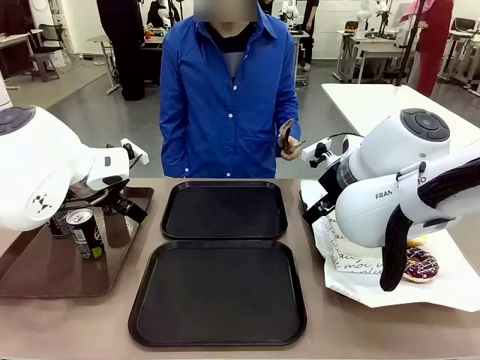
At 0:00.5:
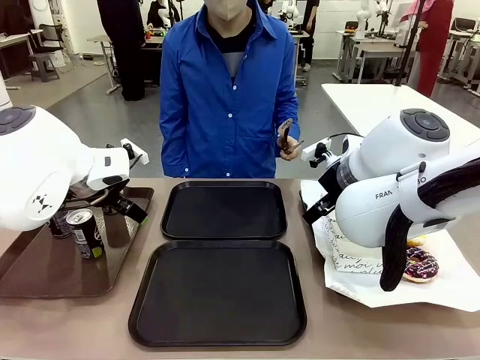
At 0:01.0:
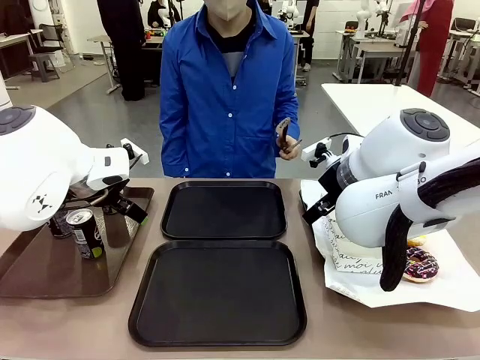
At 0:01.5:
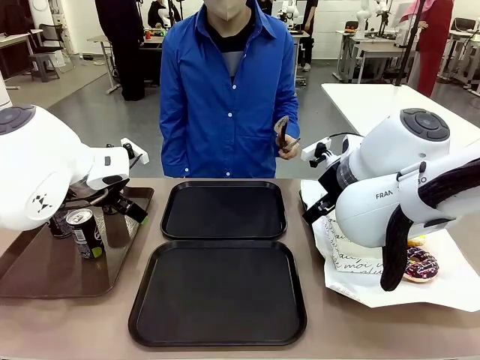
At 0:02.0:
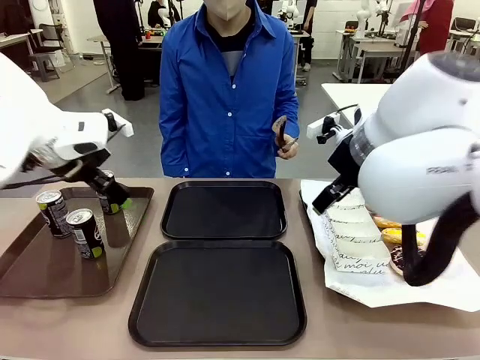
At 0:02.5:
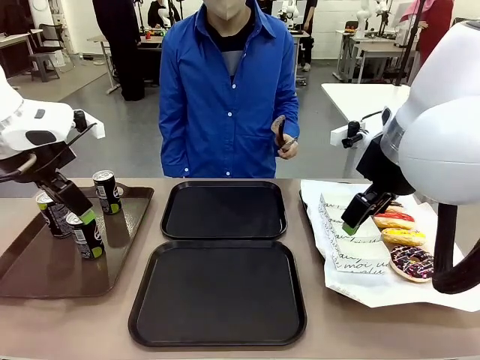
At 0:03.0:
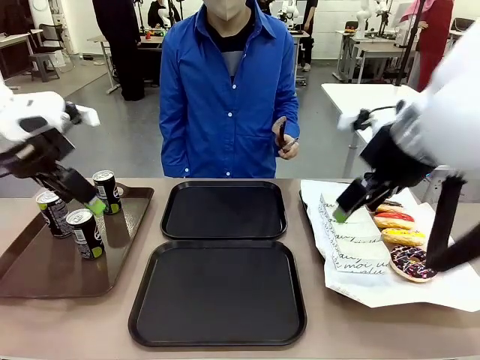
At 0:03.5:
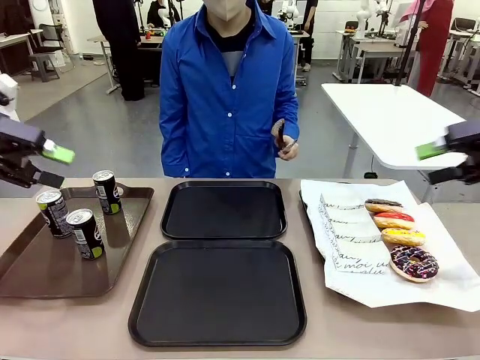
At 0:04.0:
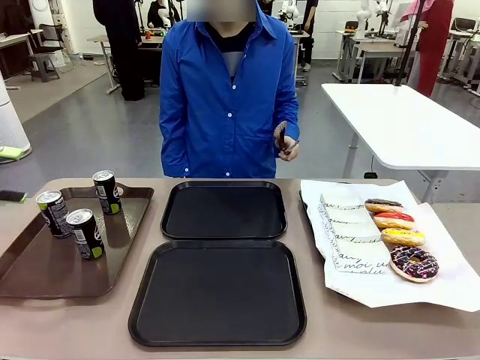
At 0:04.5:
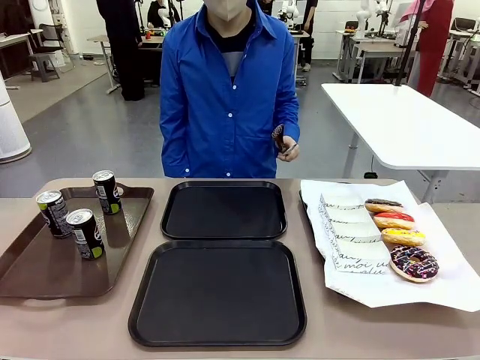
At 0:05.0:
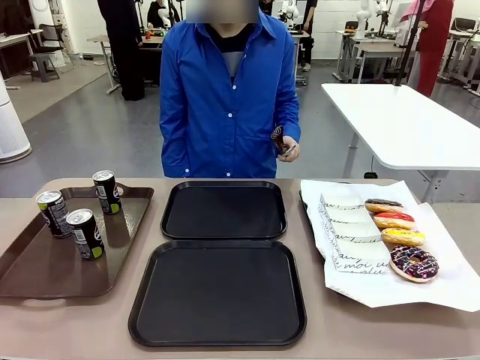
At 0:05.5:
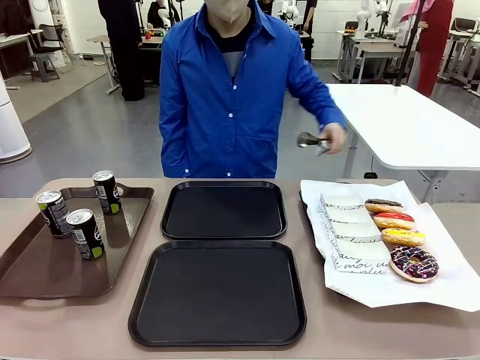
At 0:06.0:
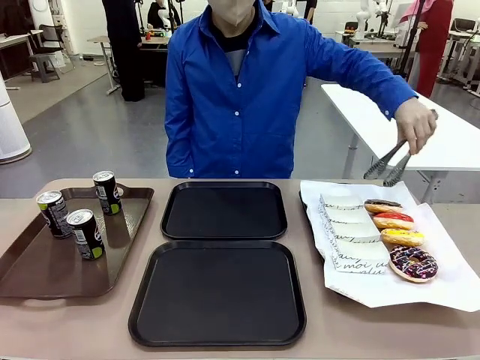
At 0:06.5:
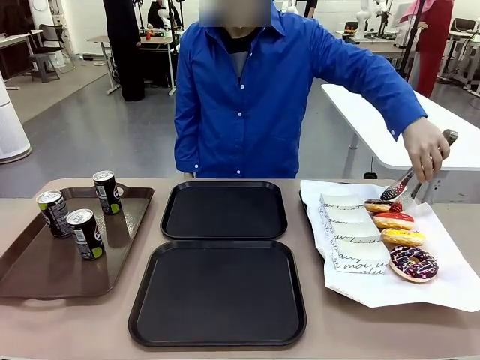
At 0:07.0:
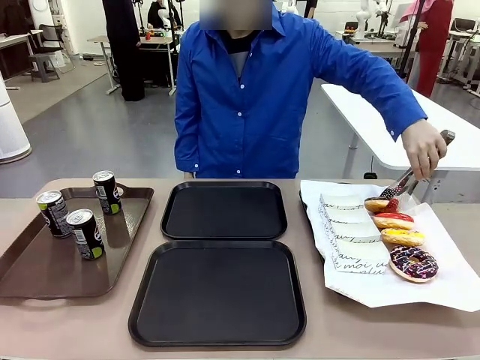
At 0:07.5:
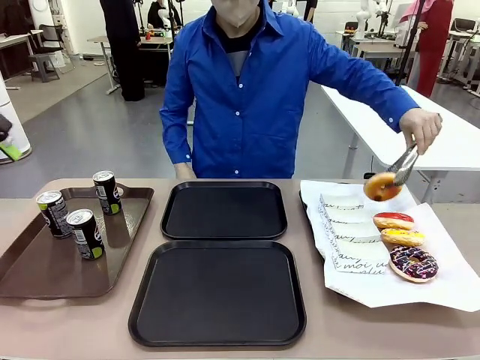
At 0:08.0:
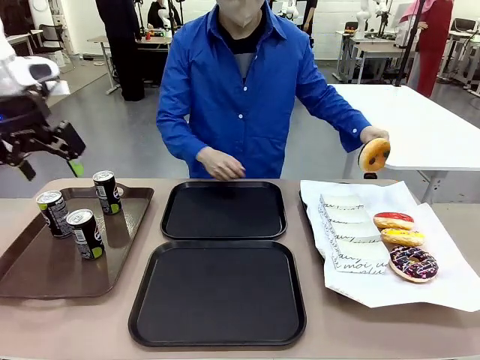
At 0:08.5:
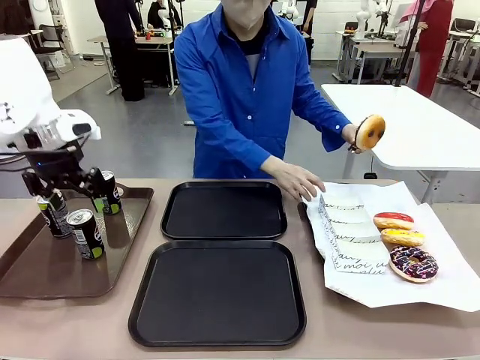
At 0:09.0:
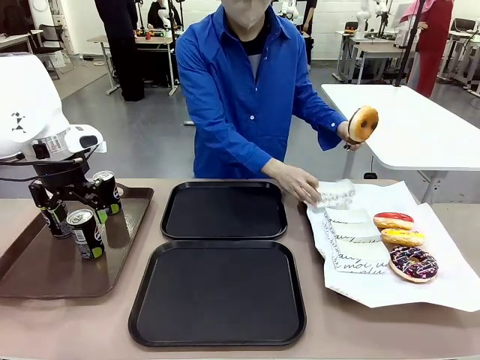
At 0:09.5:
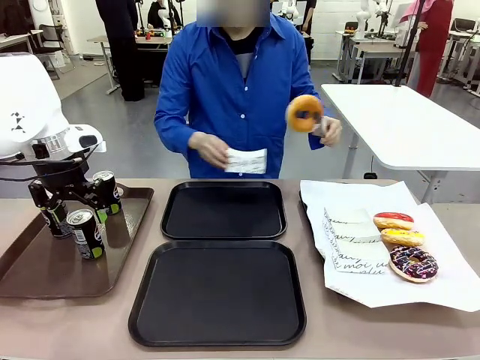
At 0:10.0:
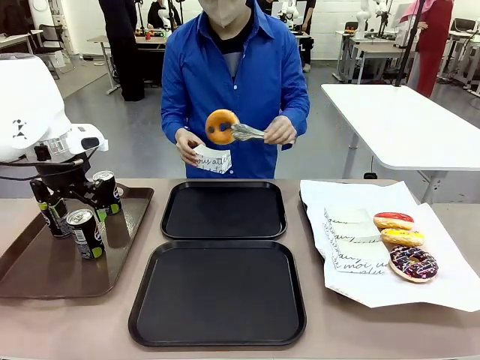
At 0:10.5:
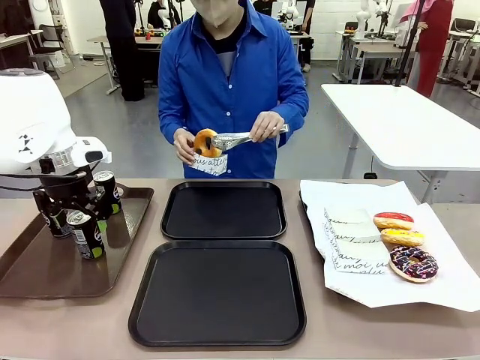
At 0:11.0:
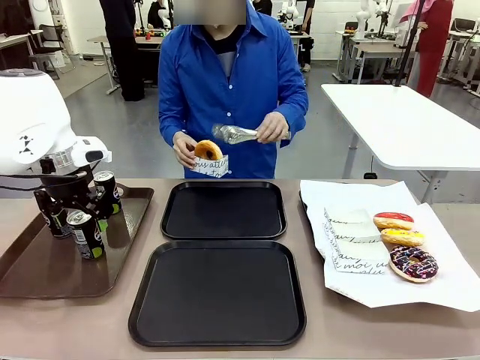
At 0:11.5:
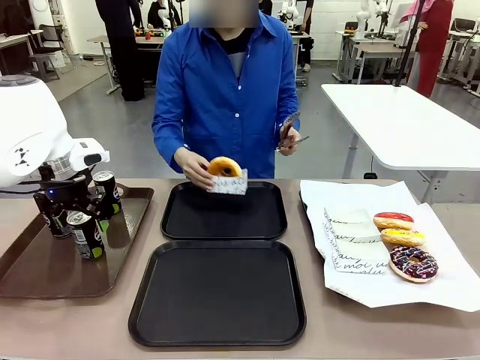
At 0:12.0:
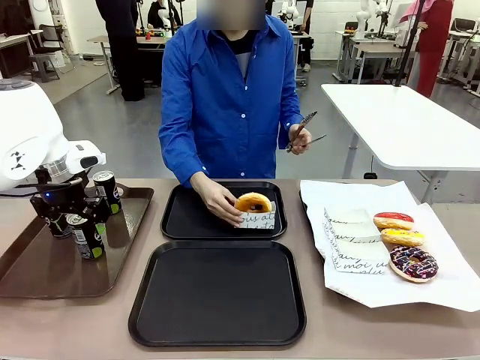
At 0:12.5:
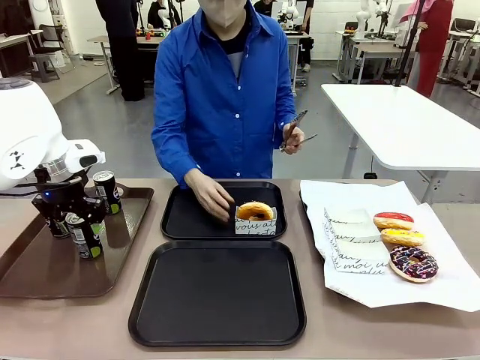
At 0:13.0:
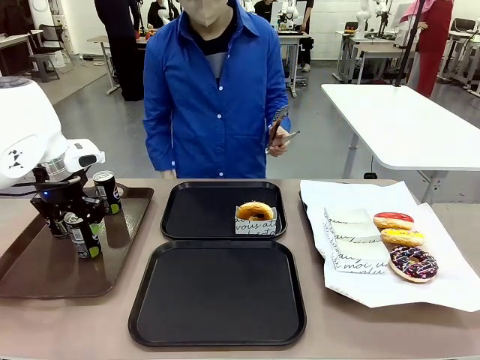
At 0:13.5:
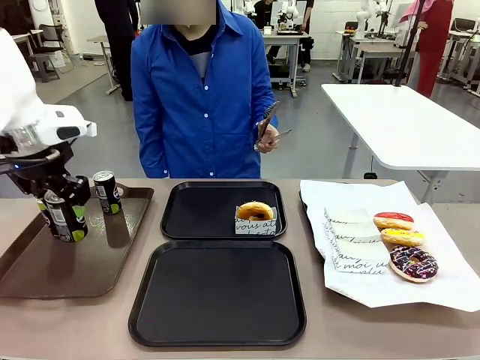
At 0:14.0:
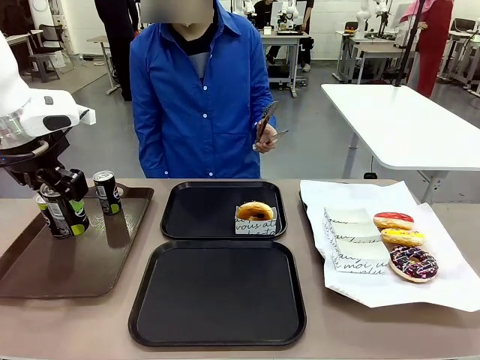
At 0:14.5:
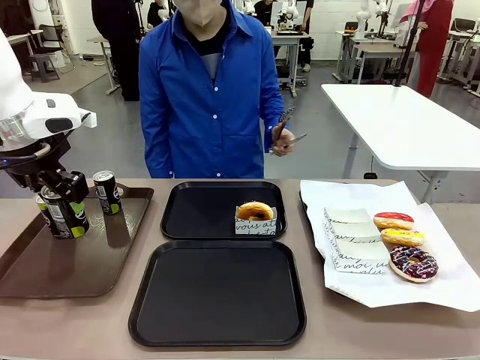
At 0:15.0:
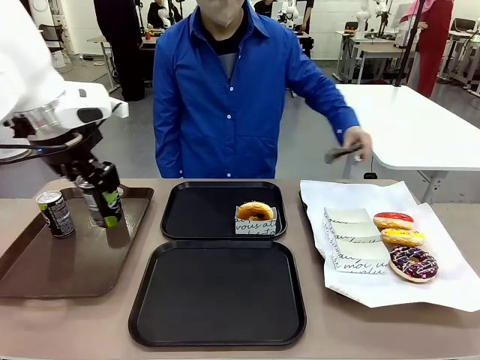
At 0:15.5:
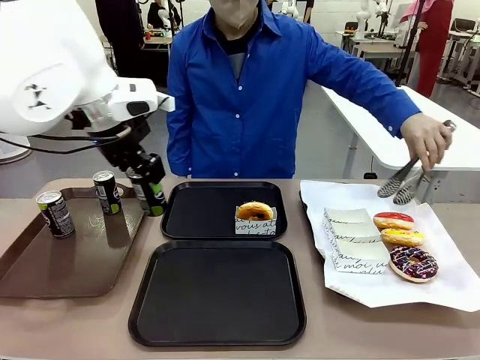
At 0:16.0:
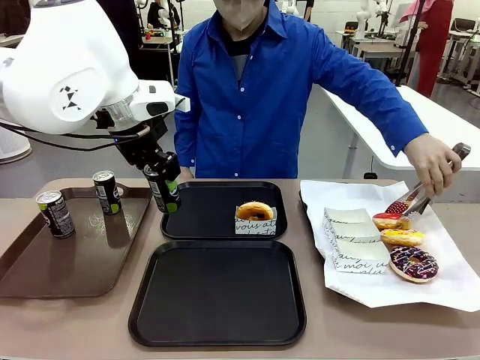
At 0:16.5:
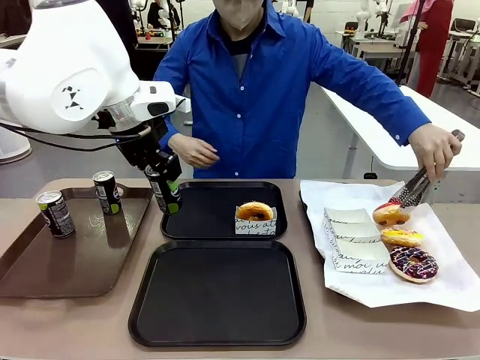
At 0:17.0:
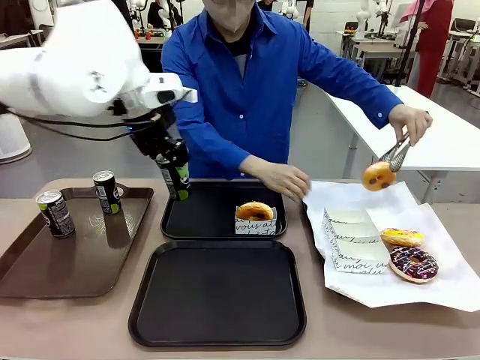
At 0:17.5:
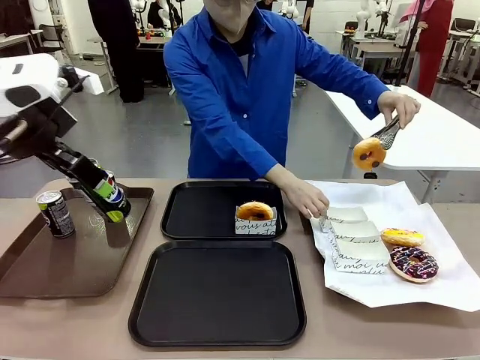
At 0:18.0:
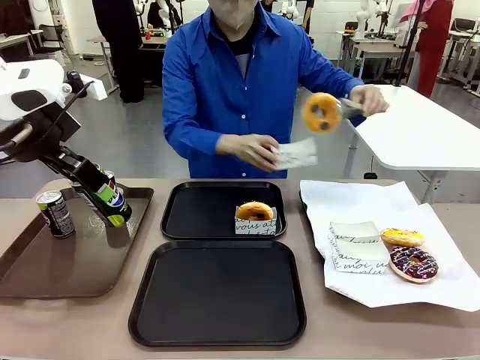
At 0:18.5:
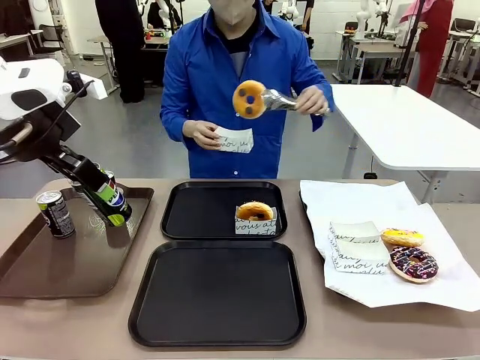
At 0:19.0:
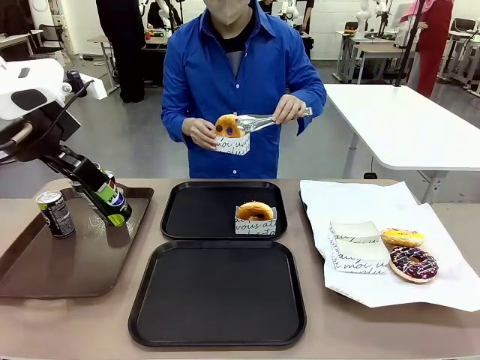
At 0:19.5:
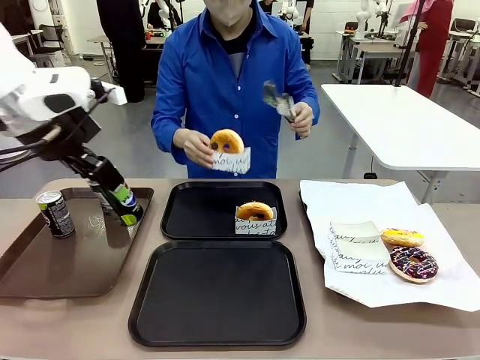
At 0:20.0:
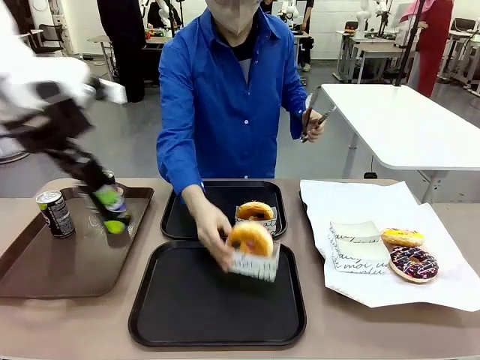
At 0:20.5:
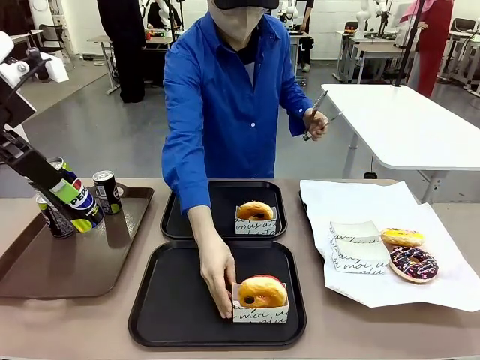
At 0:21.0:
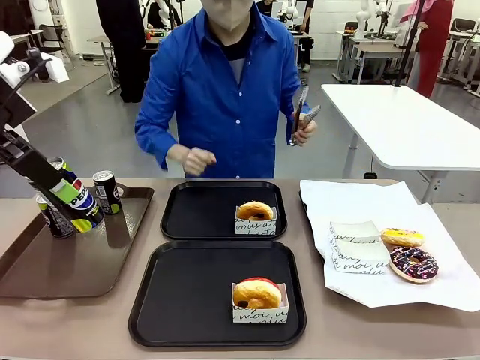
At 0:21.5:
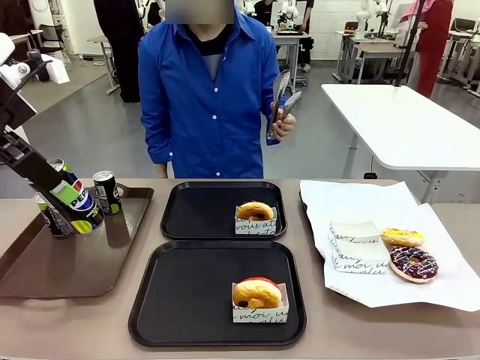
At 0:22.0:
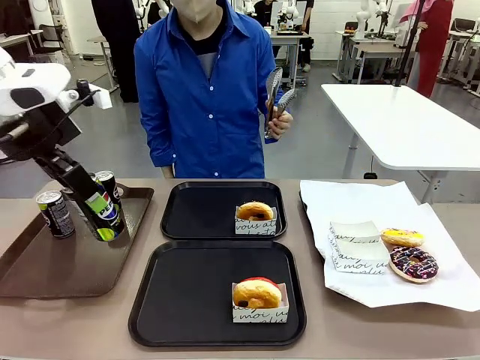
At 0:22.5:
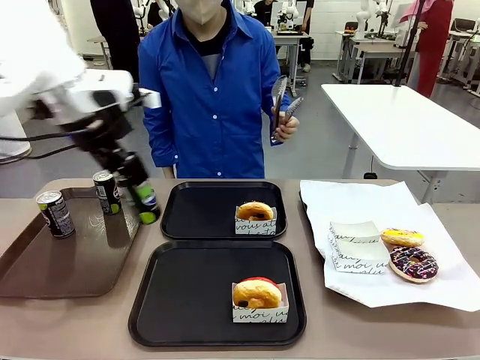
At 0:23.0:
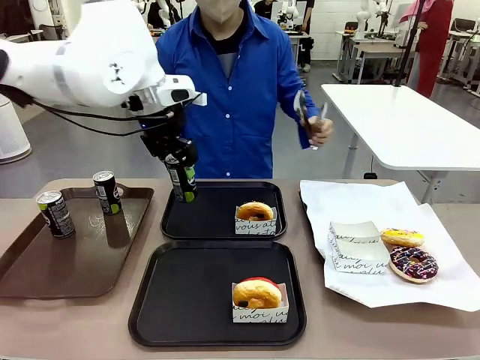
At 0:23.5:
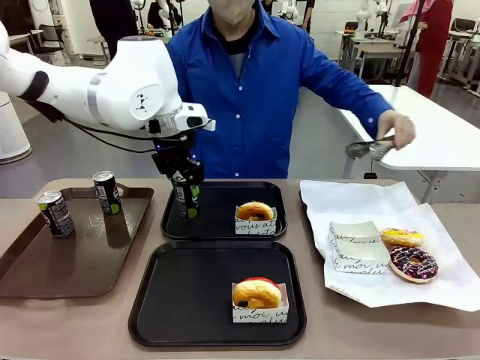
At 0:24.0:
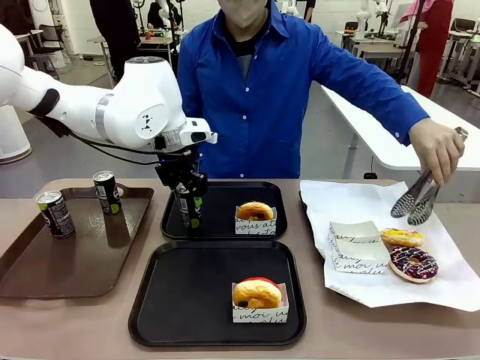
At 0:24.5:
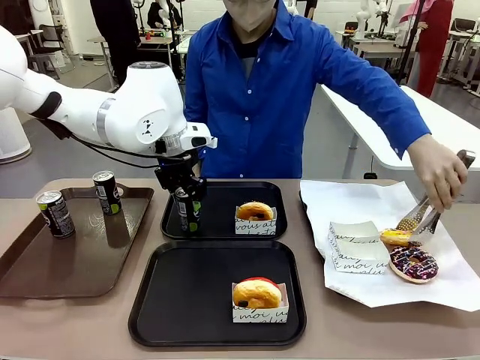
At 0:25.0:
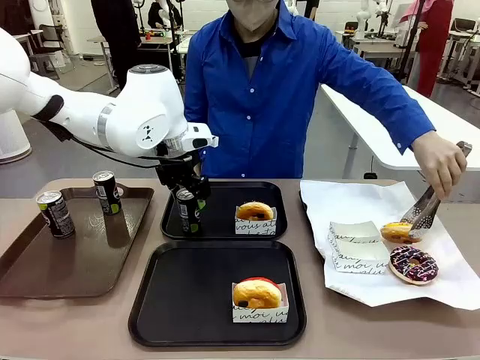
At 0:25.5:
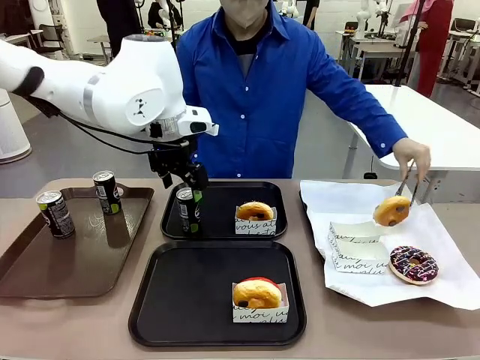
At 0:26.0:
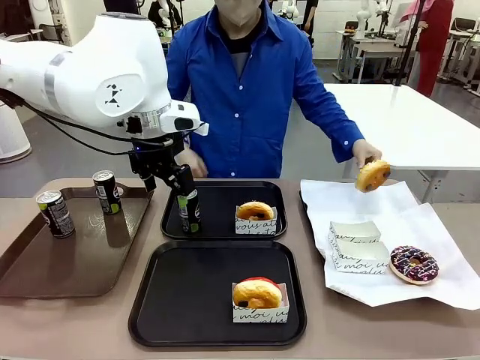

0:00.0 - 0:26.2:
Task: Set up donuts and drinks on trays.
Robot: Pick up one Pepsi coke and place it on the Flat Tray.
Person: Pick up one donut with tongs, place it in the donut tray, and then place the donut tray on the flat tray.
